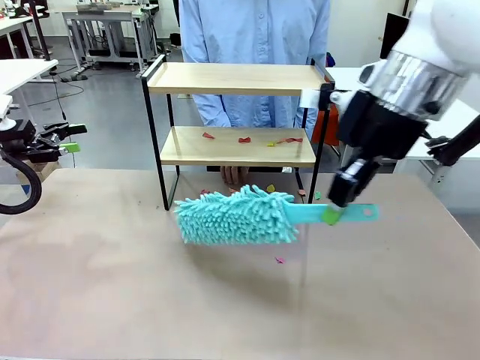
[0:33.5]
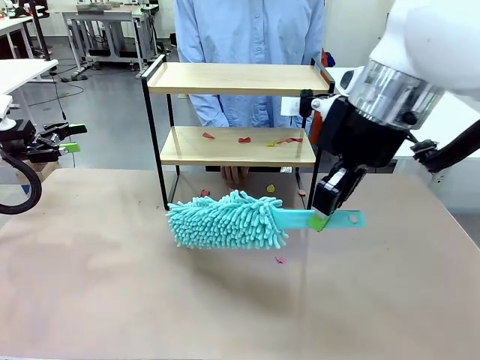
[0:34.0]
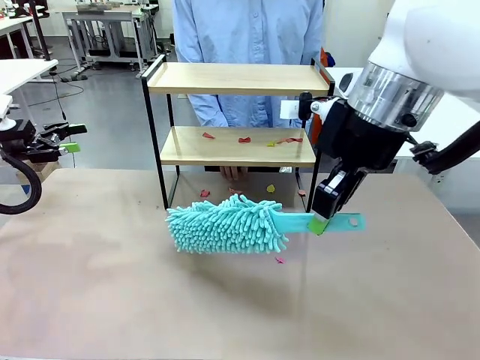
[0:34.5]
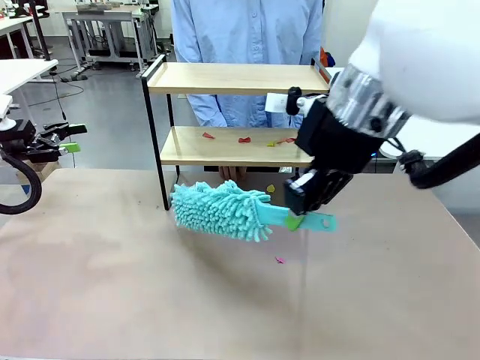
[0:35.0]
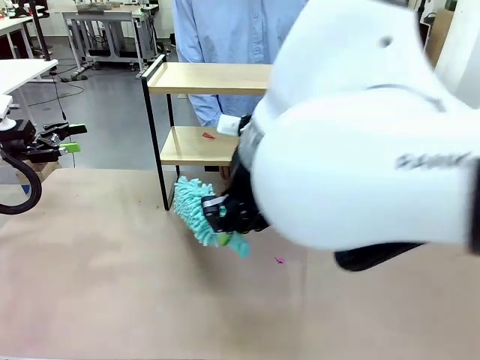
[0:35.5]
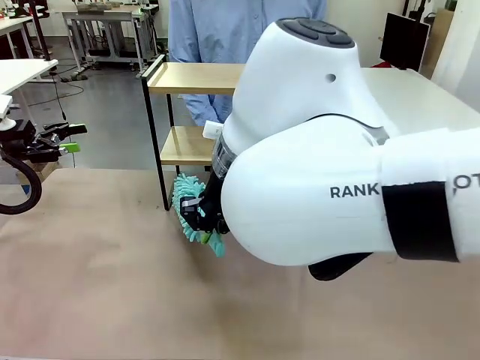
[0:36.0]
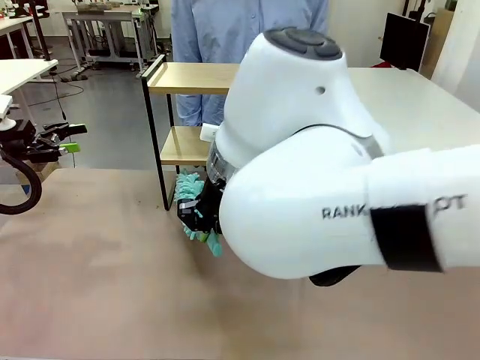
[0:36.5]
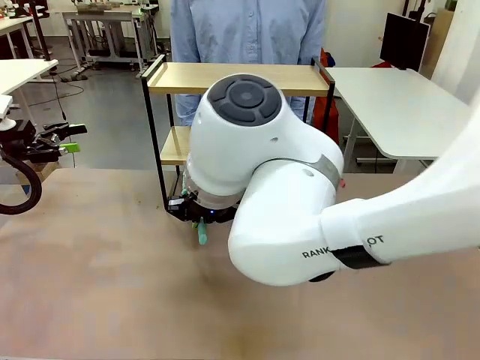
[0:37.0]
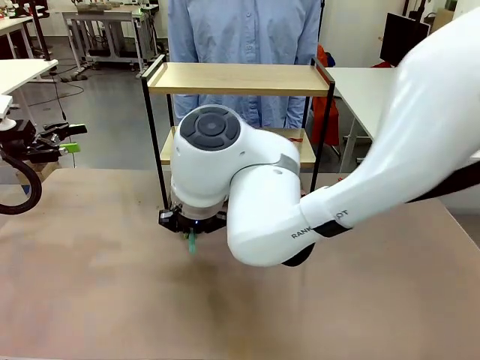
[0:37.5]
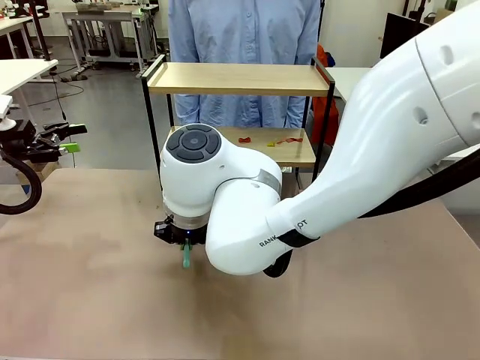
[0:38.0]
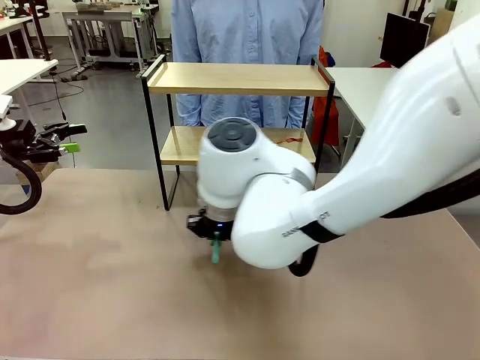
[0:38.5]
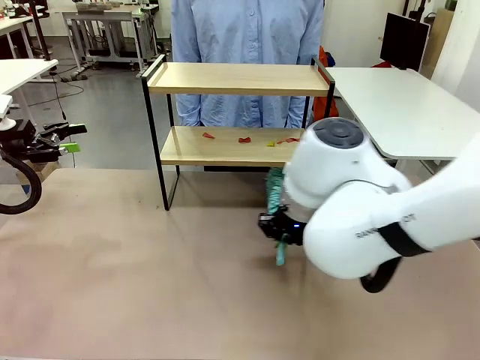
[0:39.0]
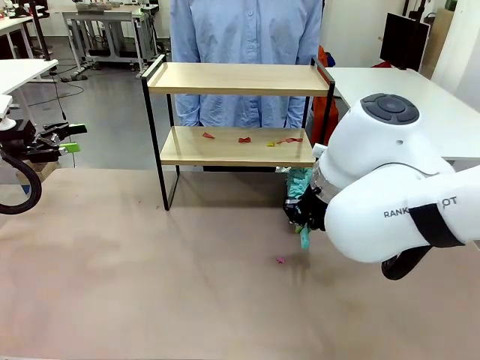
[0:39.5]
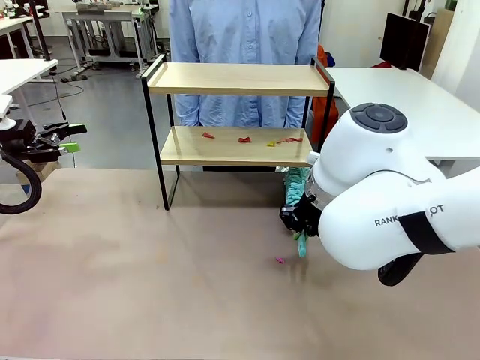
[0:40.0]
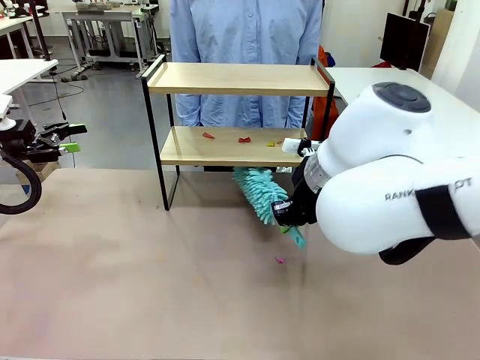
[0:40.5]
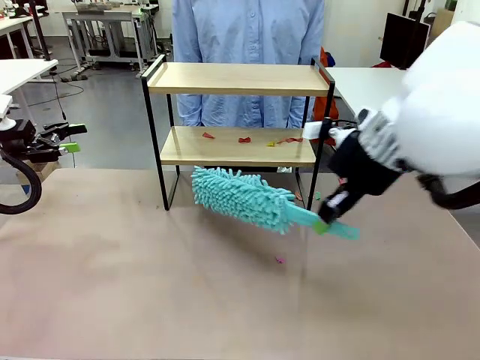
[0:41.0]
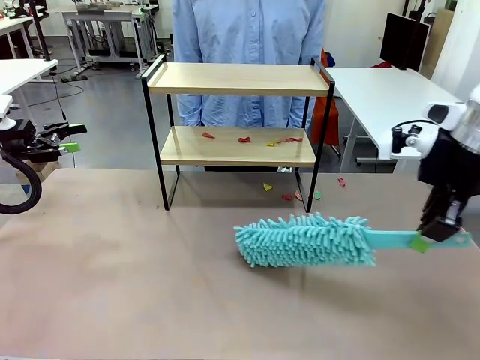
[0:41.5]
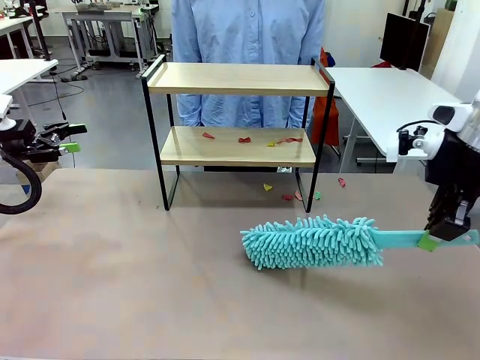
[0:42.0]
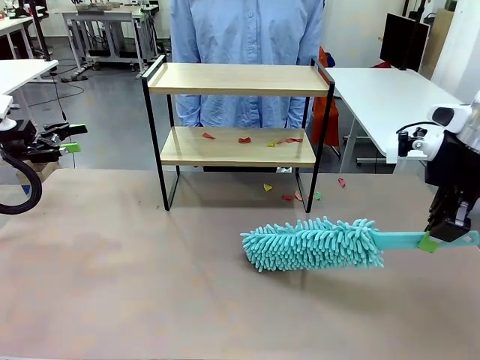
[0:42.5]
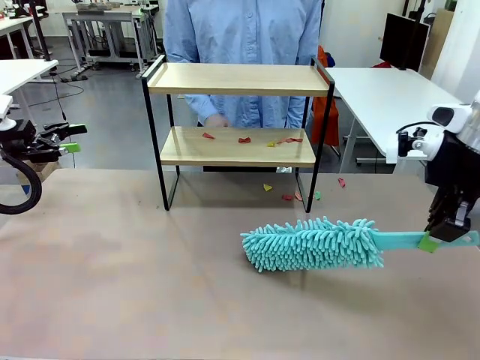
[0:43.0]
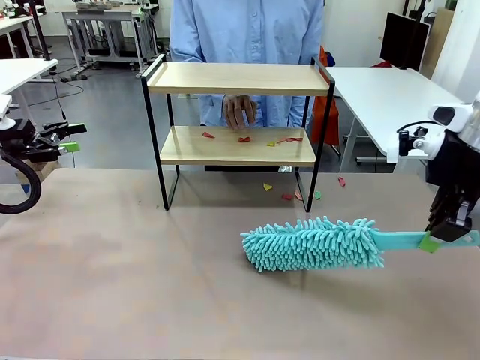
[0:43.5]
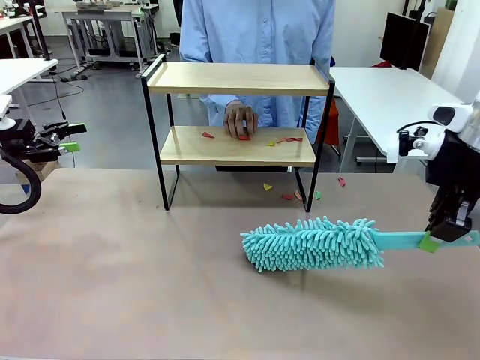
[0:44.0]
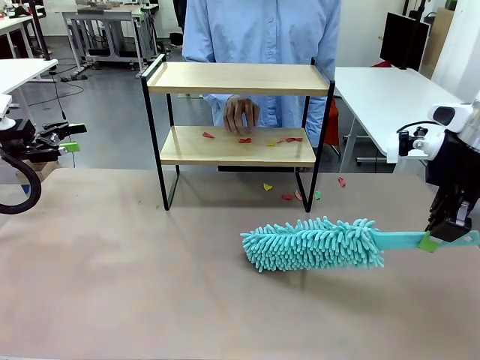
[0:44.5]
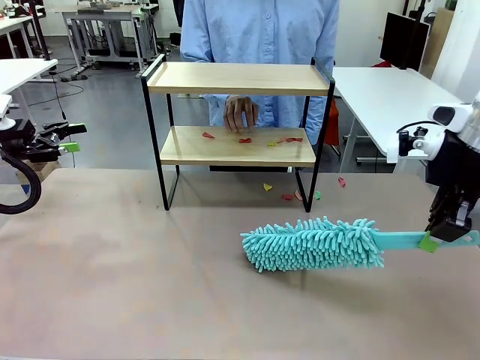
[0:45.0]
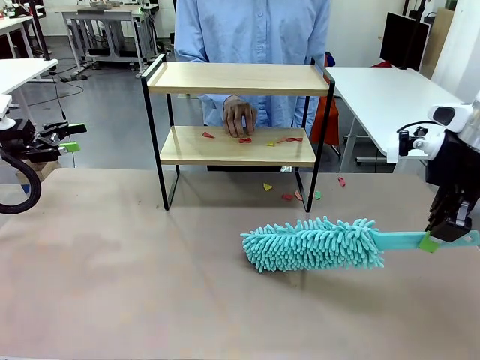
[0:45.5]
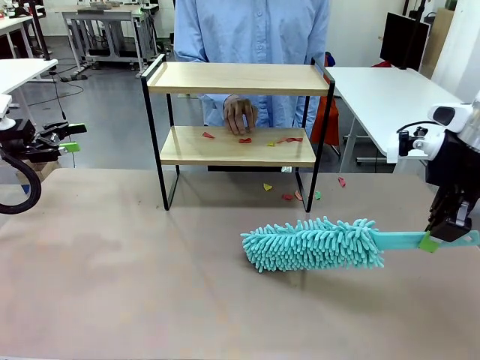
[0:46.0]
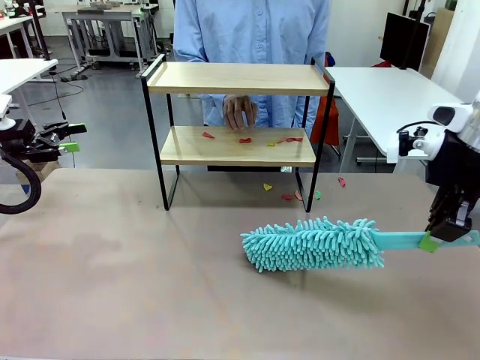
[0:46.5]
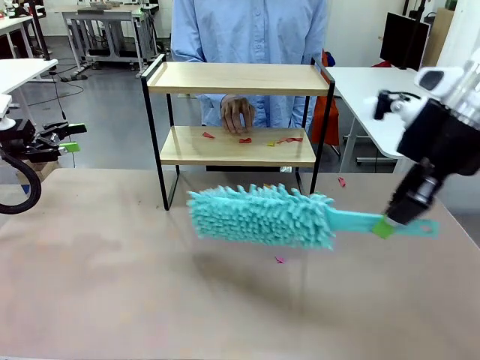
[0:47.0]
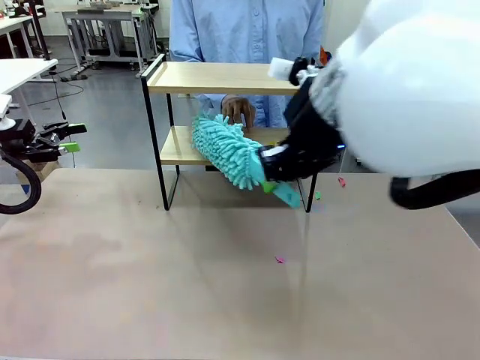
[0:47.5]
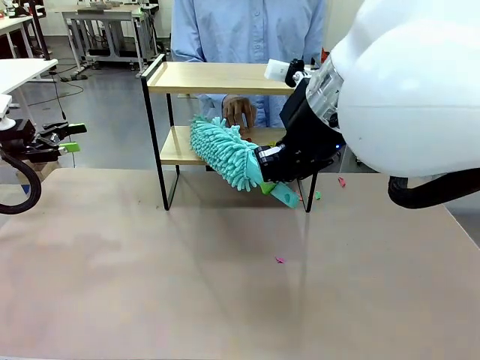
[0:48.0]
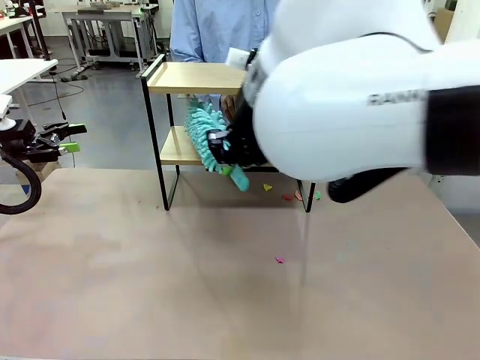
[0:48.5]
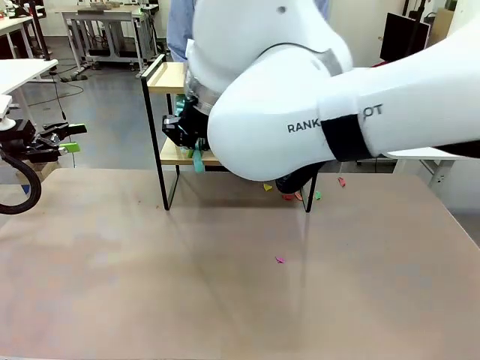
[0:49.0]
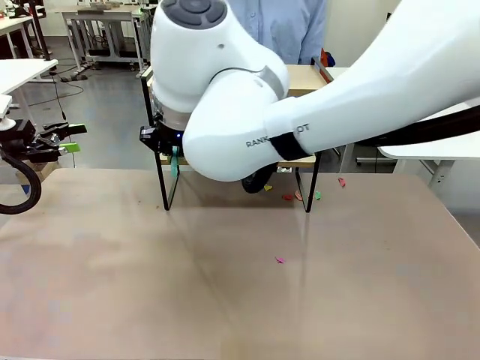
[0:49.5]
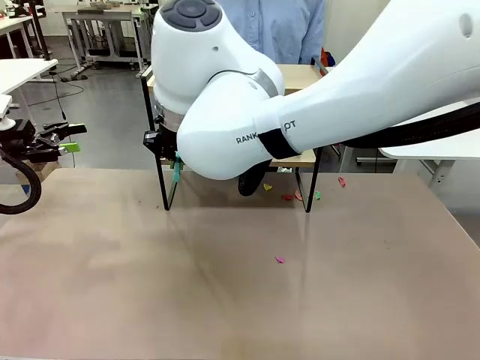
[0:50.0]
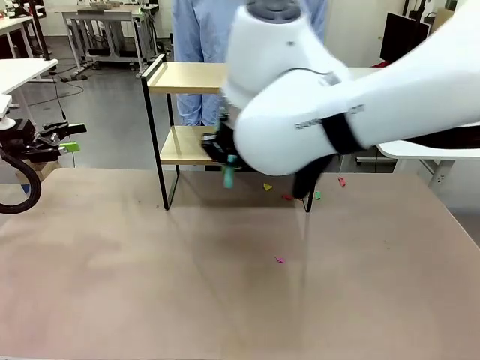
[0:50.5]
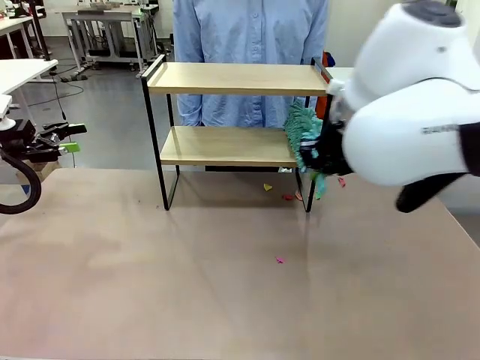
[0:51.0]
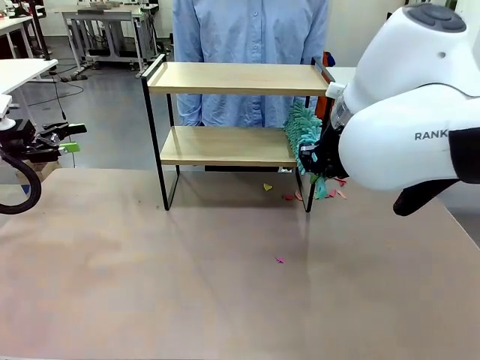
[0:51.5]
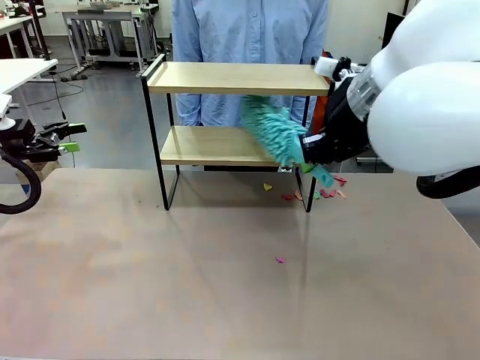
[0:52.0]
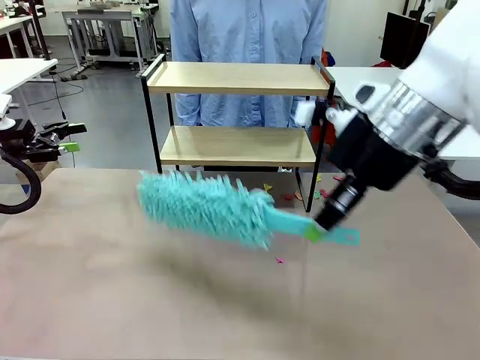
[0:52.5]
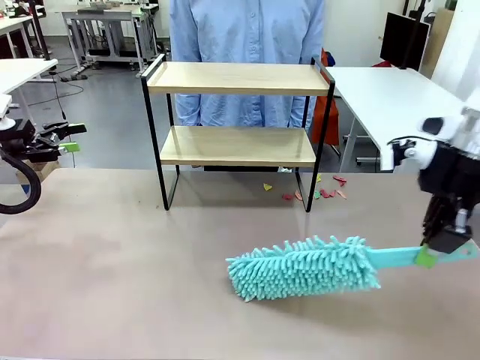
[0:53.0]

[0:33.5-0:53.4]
Task: Clean the shelf.
Robot: Clean the specific section of the Shelf indicated by the human with the Duster.
Person: Point a remaining section of the Shelf.
